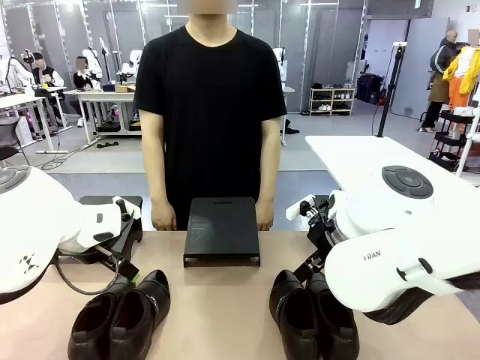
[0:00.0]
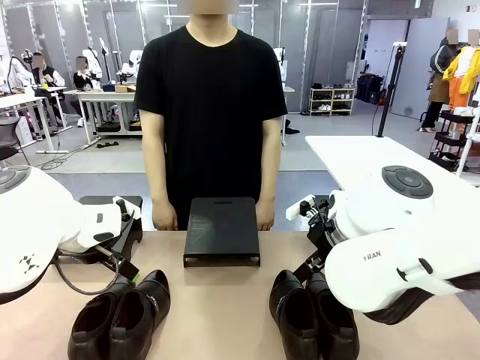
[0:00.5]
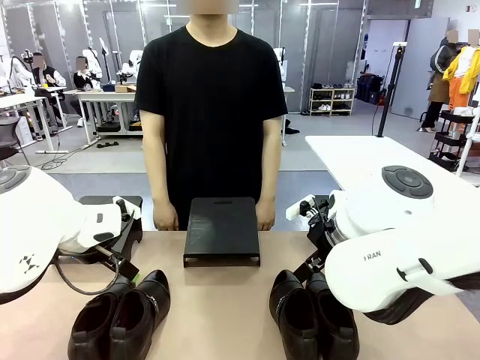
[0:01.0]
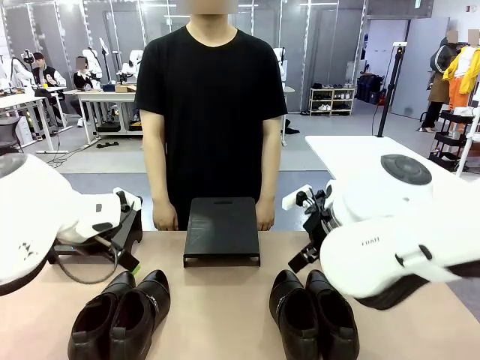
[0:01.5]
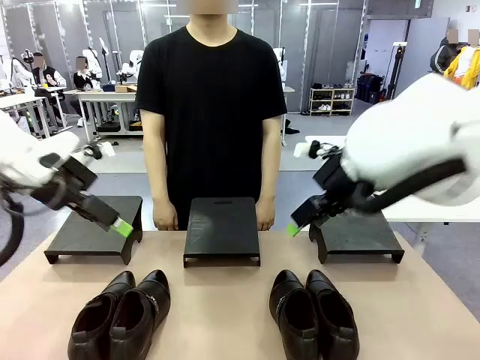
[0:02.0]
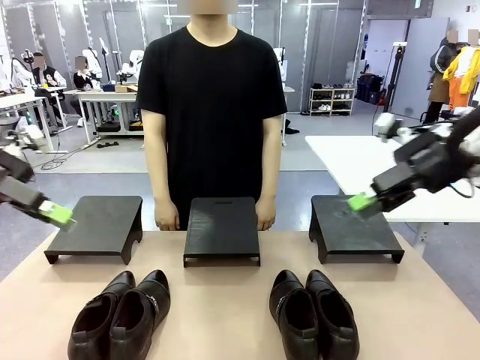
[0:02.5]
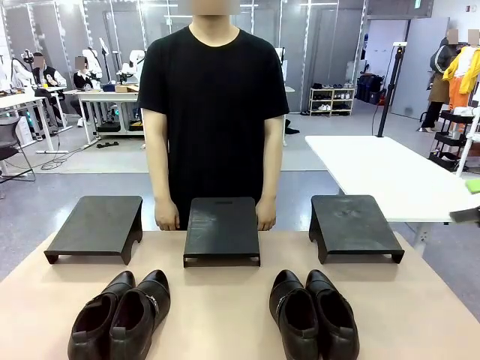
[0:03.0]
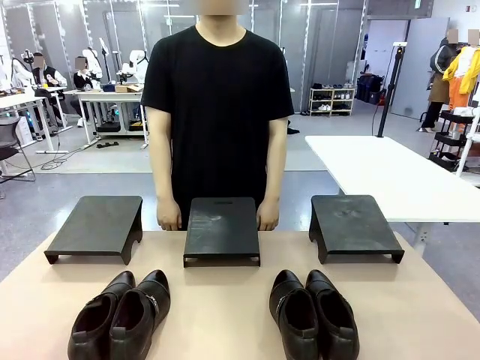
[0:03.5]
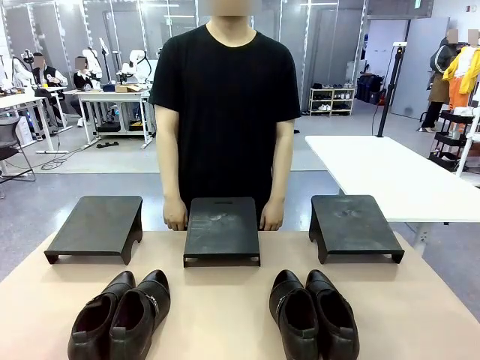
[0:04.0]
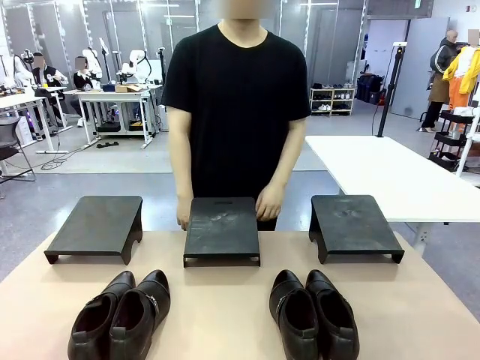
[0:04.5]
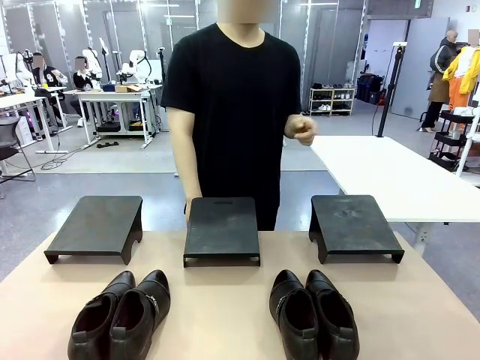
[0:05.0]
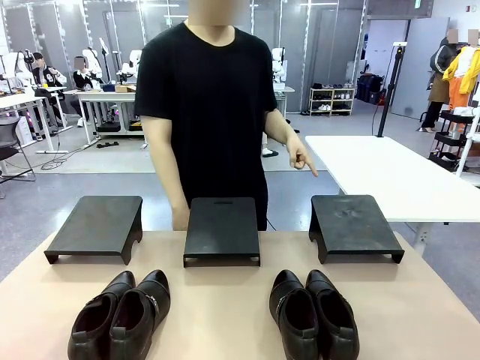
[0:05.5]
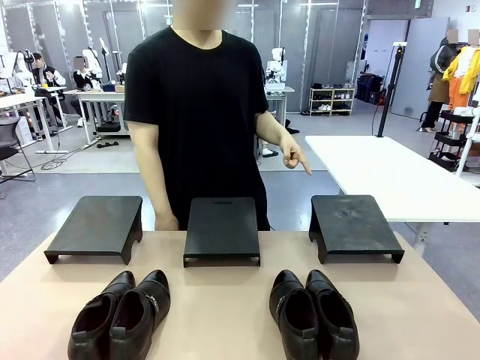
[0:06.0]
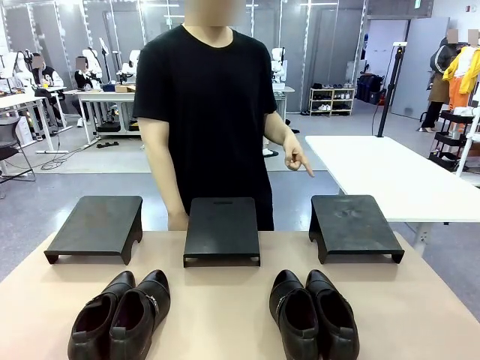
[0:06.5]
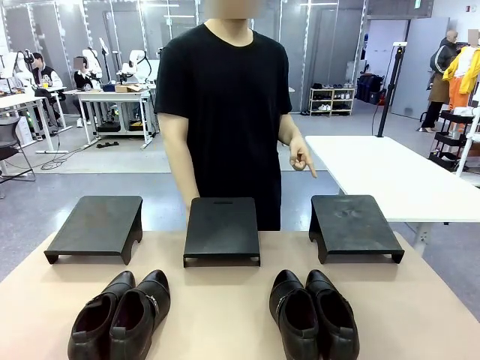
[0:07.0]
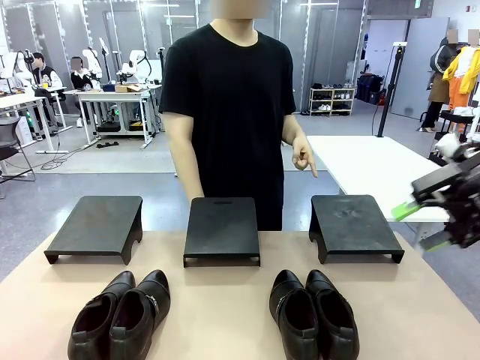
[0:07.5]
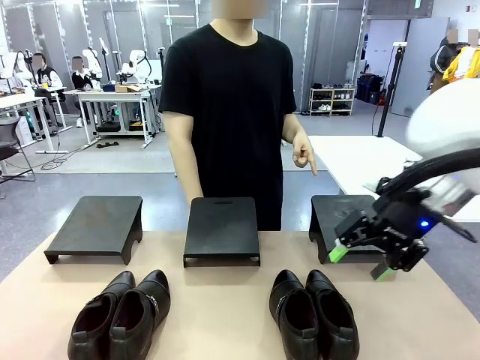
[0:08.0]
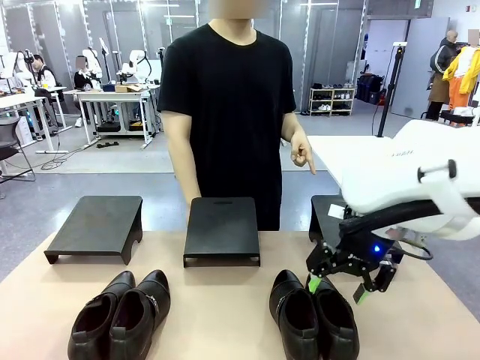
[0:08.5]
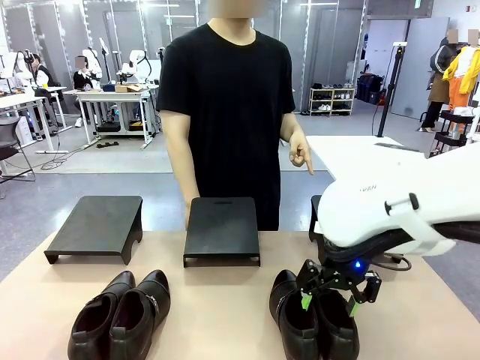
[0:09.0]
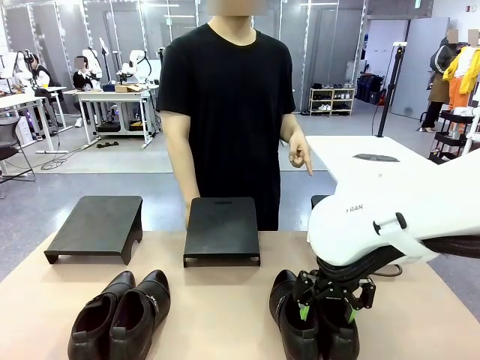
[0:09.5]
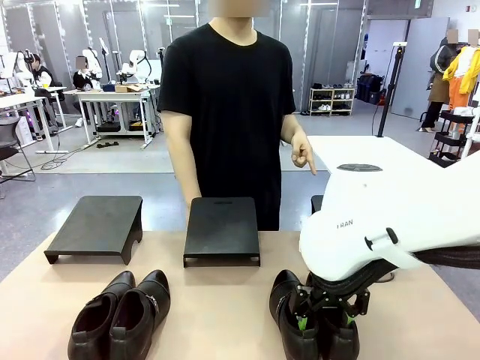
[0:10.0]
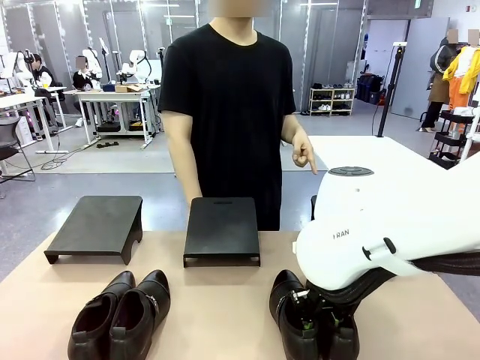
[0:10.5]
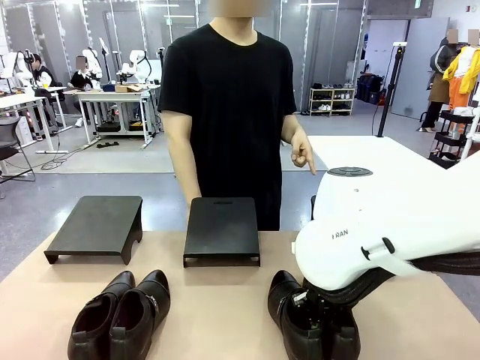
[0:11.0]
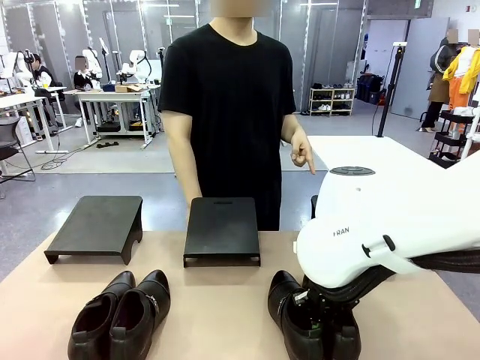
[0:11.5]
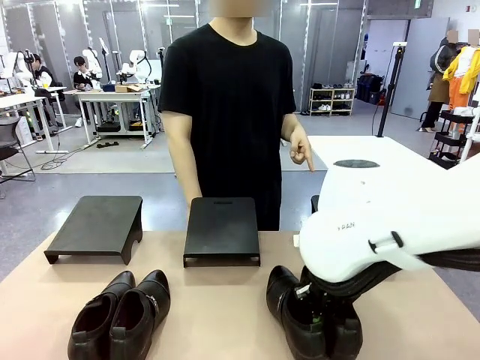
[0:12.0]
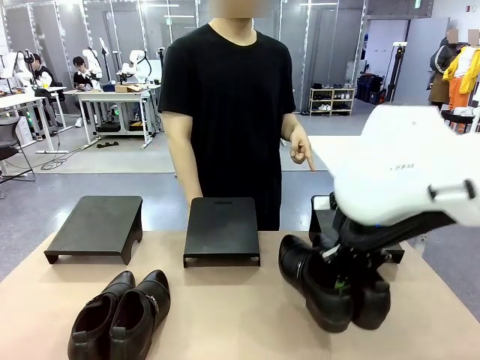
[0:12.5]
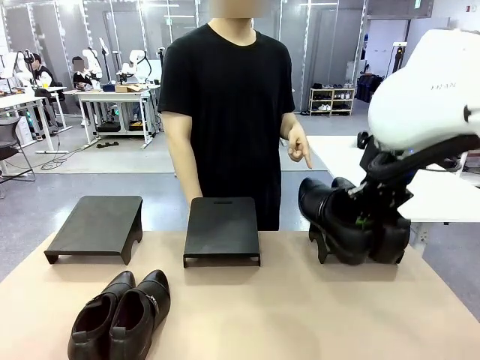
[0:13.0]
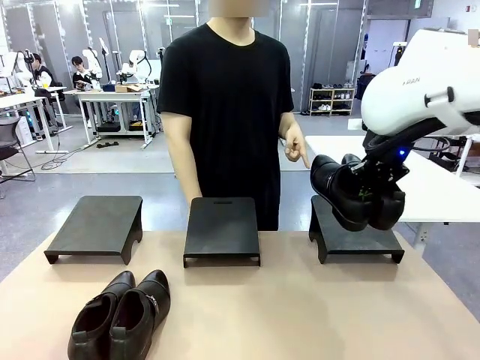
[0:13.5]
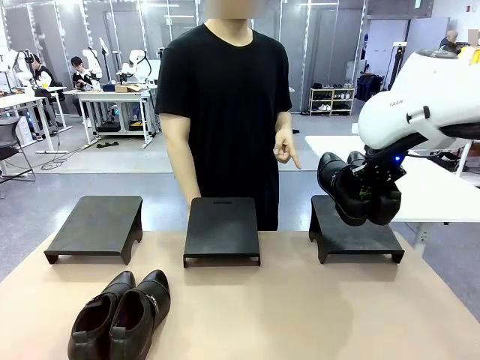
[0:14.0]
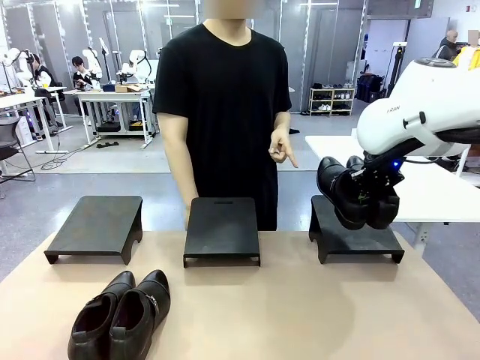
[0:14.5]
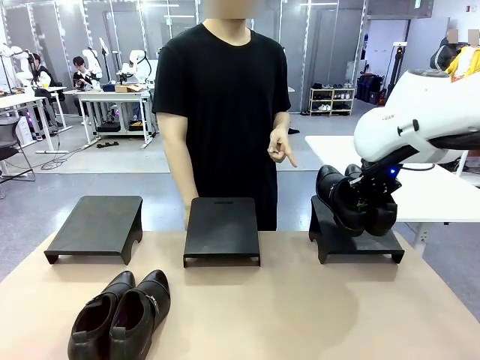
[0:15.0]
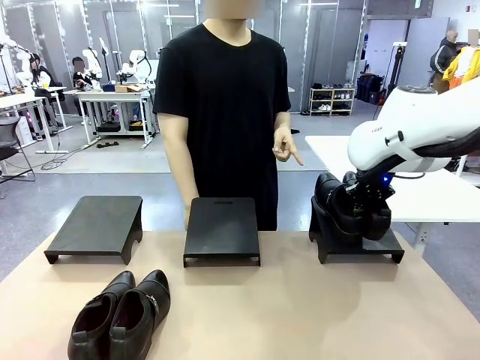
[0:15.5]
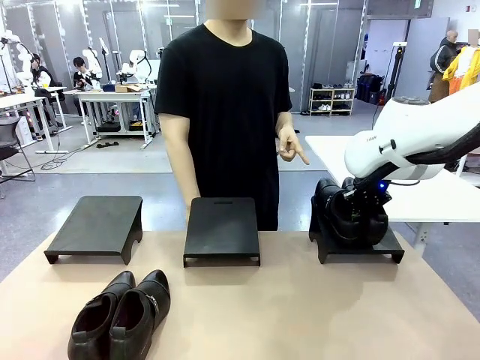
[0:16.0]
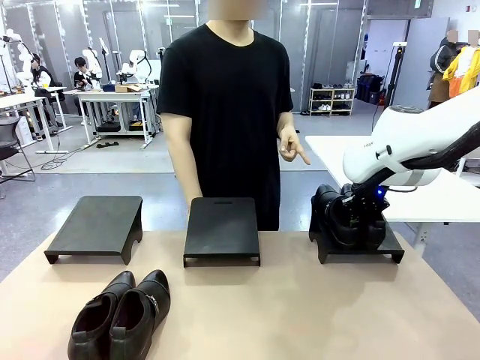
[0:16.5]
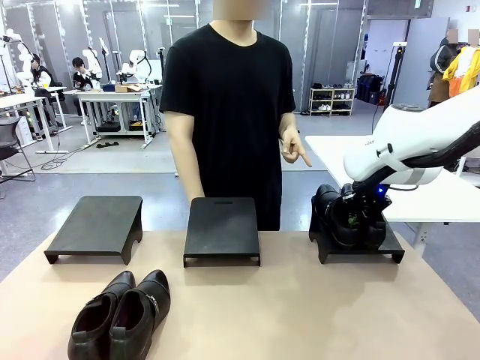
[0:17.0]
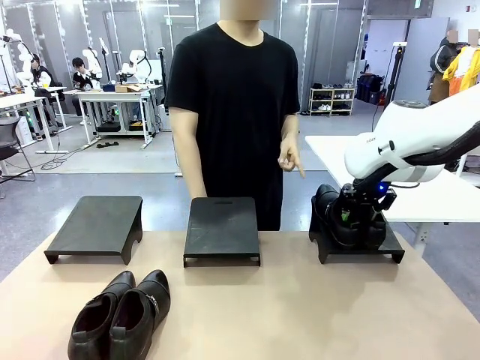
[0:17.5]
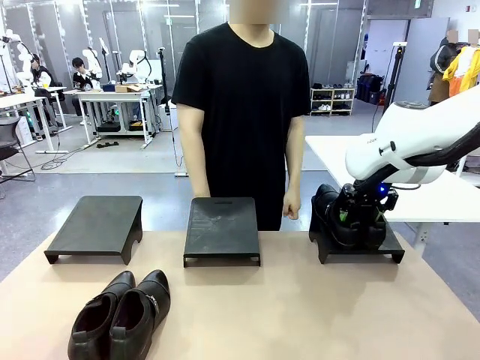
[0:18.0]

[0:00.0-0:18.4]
Task: Place the shoes on the stand as instructed by the person.
Robot: Pick up one pair of Shoes and place it on the Shoes Stand indicated by the person.
